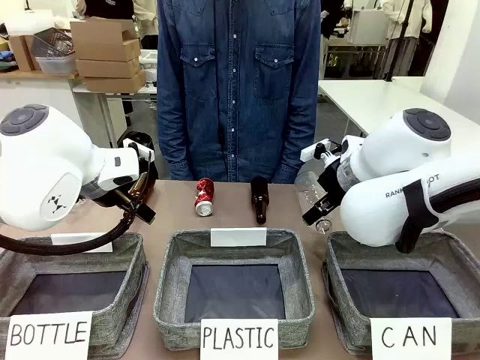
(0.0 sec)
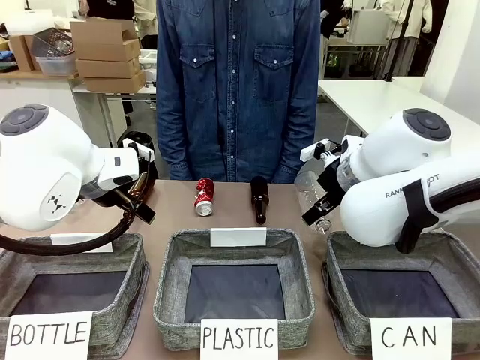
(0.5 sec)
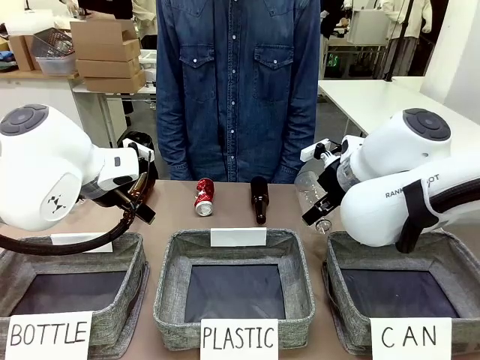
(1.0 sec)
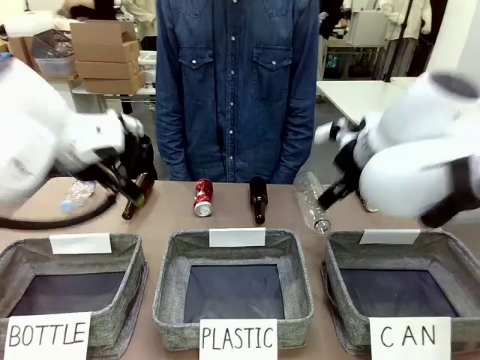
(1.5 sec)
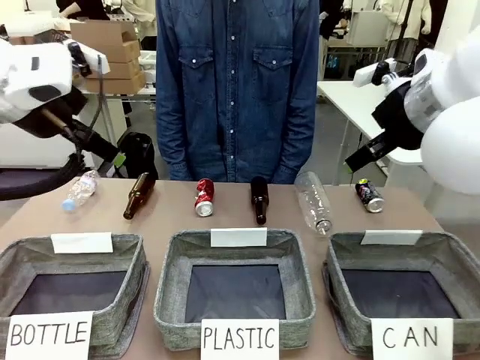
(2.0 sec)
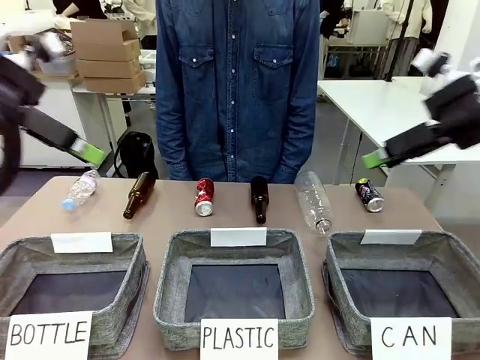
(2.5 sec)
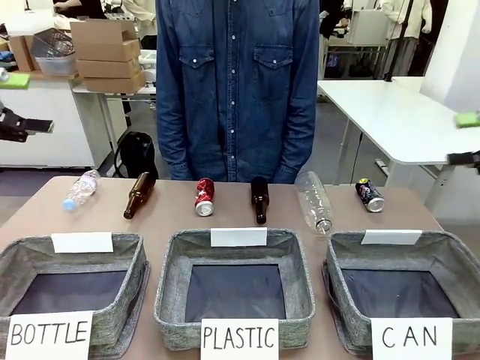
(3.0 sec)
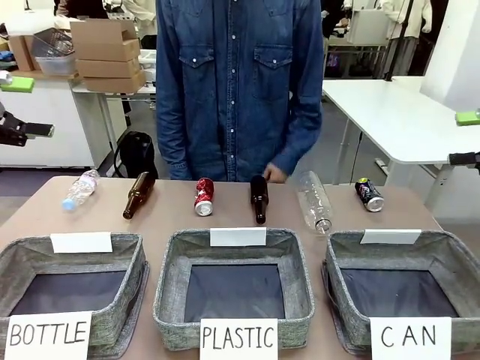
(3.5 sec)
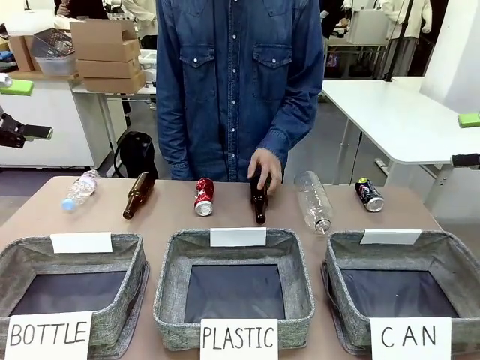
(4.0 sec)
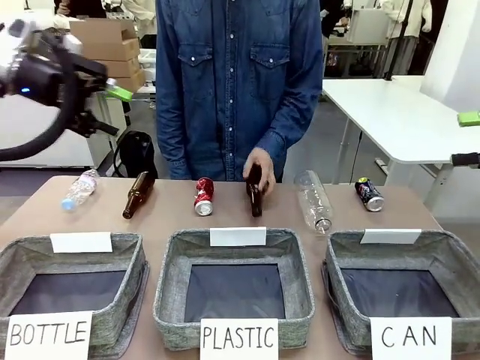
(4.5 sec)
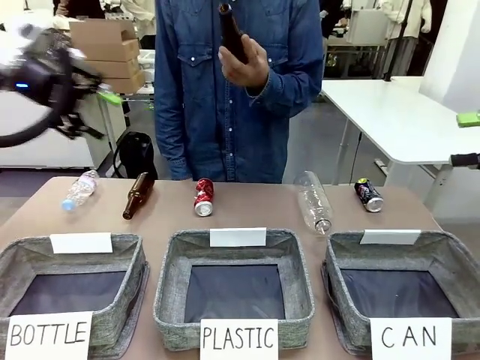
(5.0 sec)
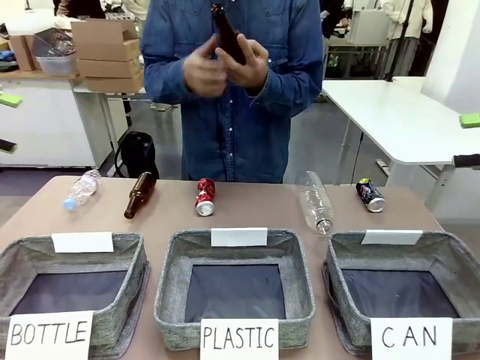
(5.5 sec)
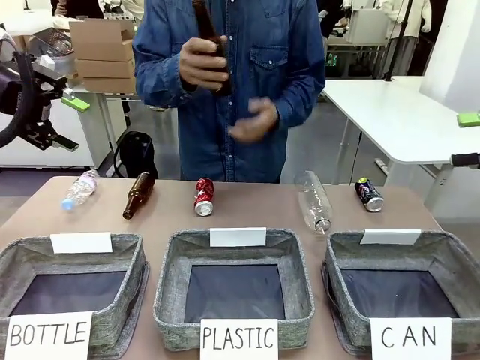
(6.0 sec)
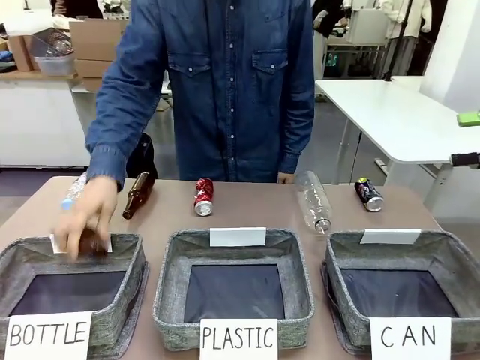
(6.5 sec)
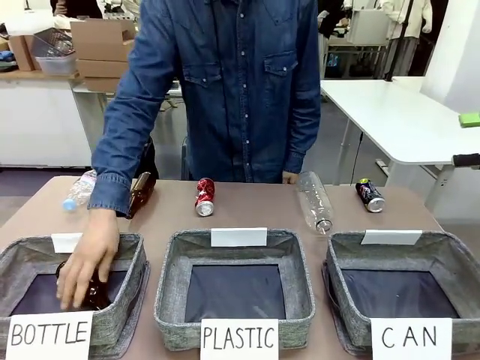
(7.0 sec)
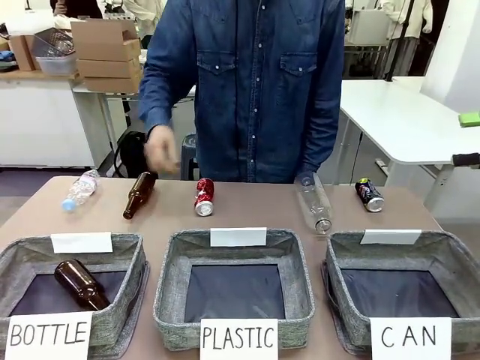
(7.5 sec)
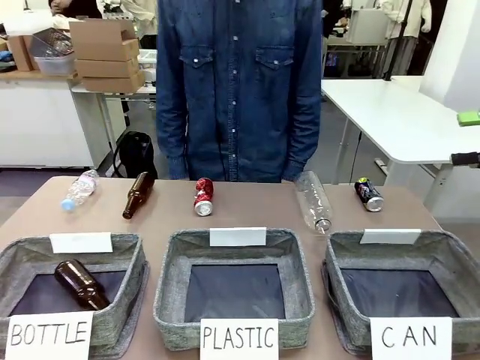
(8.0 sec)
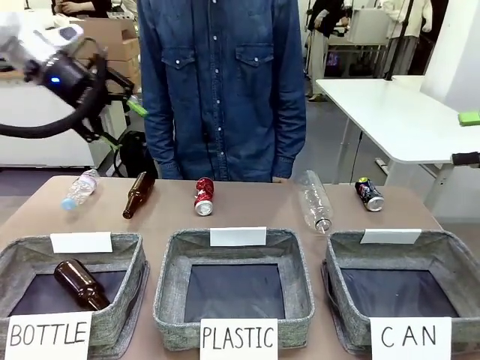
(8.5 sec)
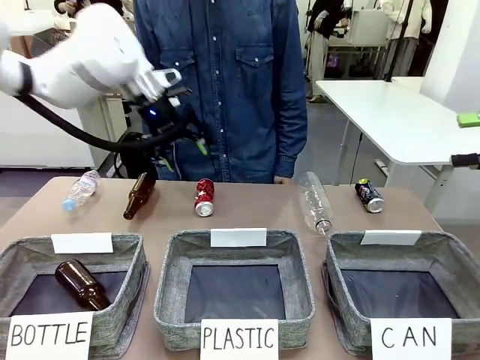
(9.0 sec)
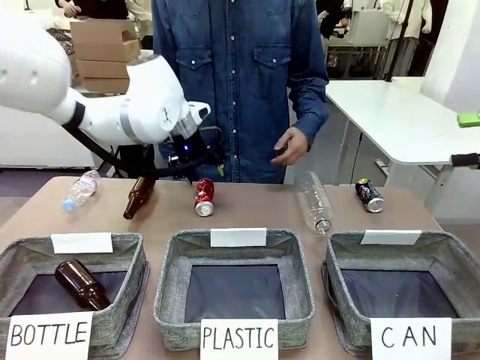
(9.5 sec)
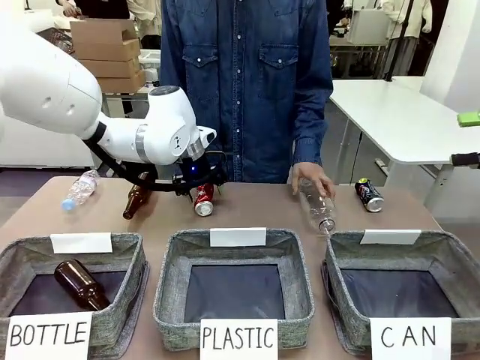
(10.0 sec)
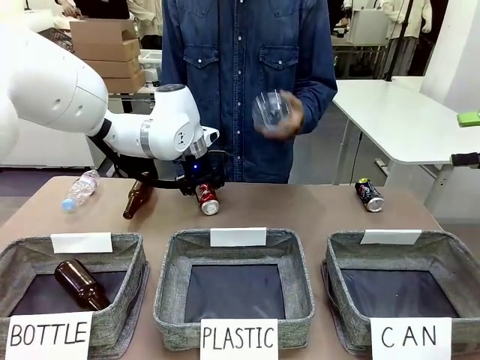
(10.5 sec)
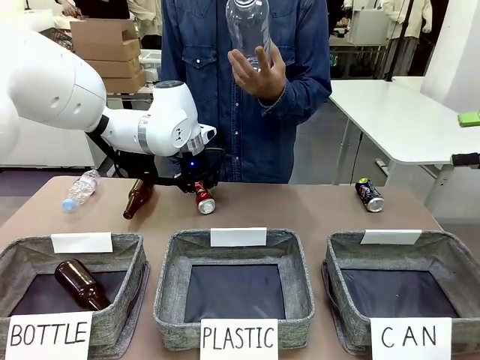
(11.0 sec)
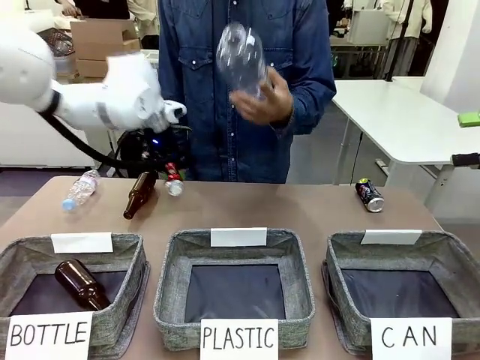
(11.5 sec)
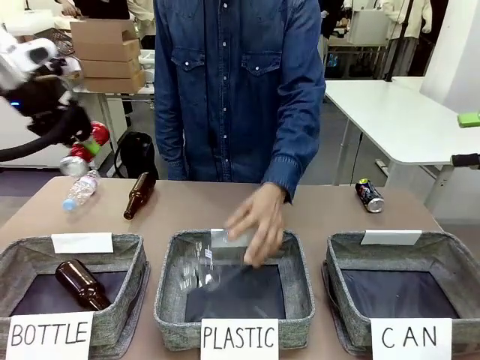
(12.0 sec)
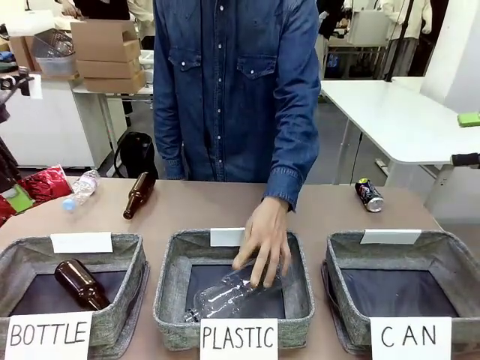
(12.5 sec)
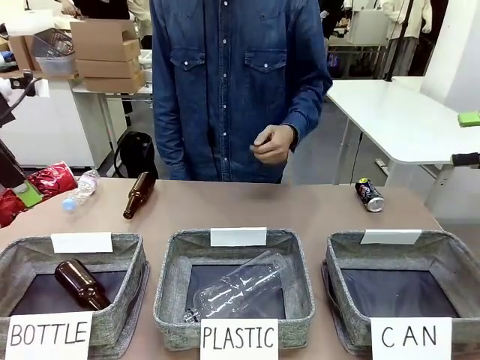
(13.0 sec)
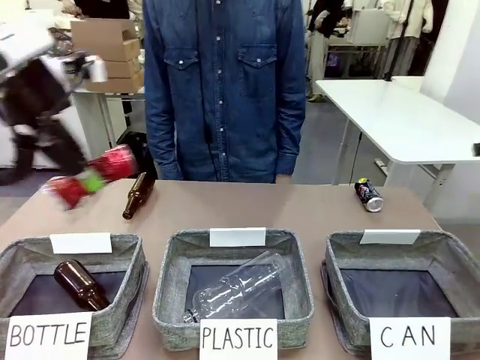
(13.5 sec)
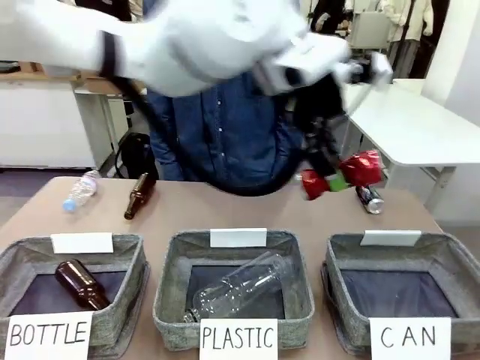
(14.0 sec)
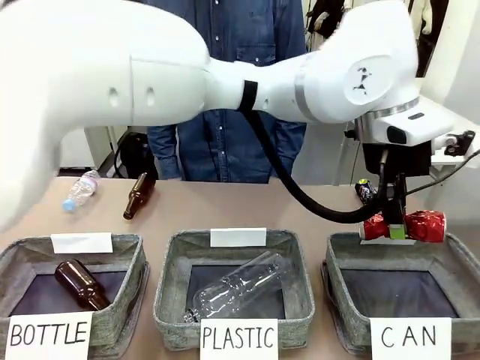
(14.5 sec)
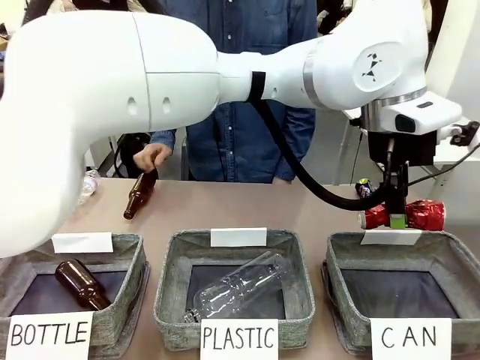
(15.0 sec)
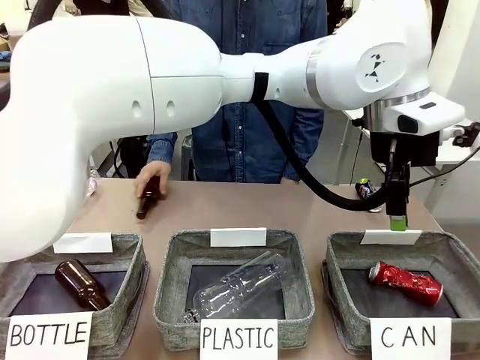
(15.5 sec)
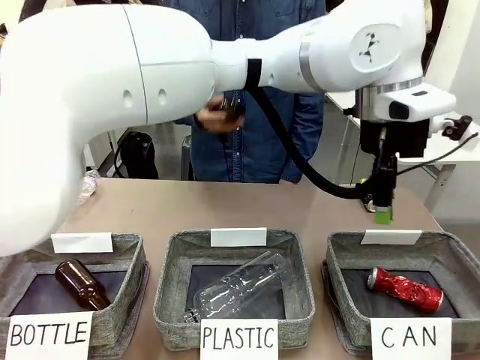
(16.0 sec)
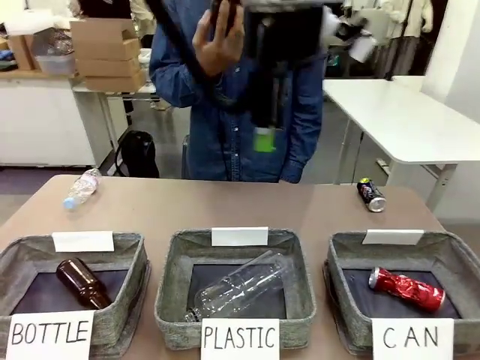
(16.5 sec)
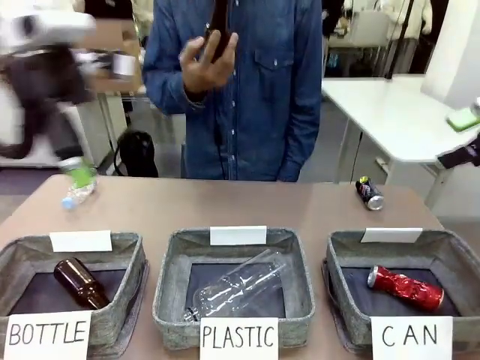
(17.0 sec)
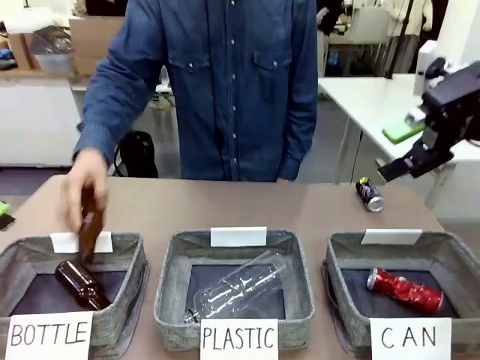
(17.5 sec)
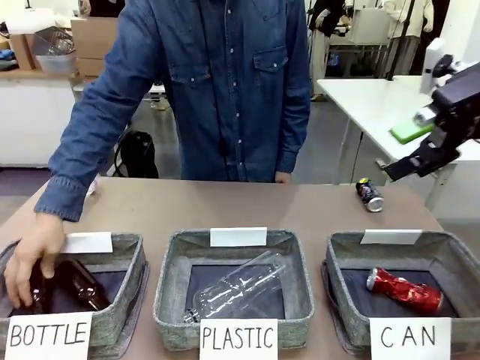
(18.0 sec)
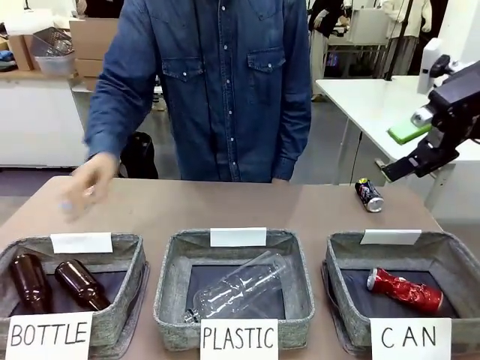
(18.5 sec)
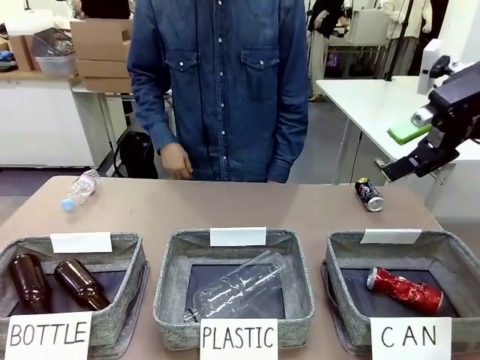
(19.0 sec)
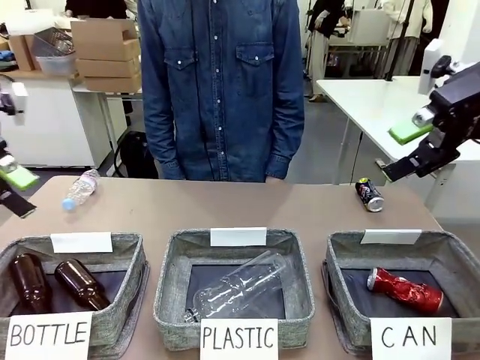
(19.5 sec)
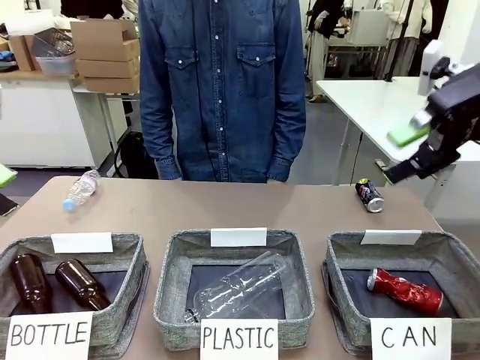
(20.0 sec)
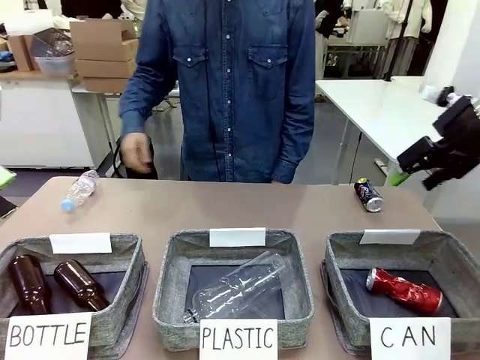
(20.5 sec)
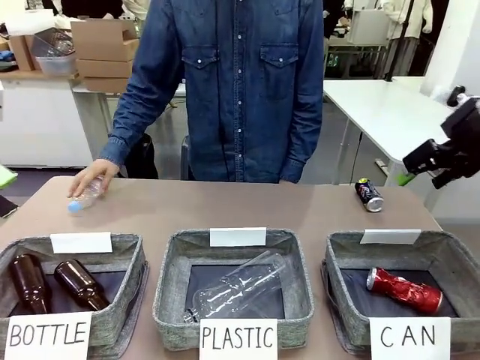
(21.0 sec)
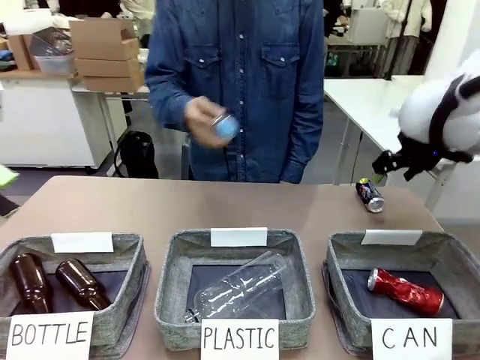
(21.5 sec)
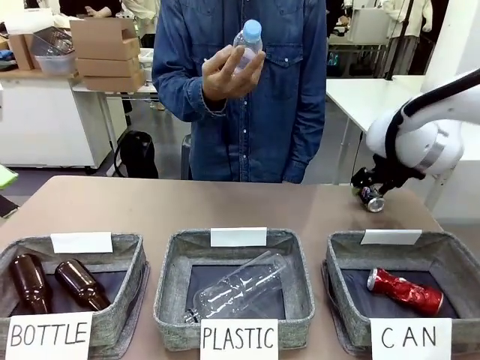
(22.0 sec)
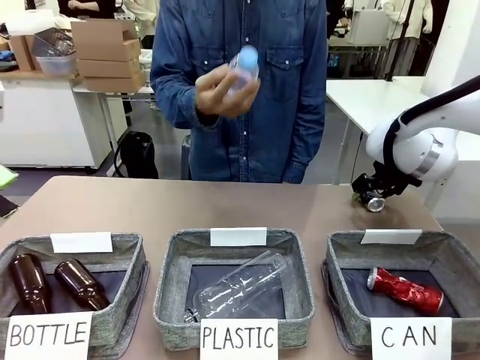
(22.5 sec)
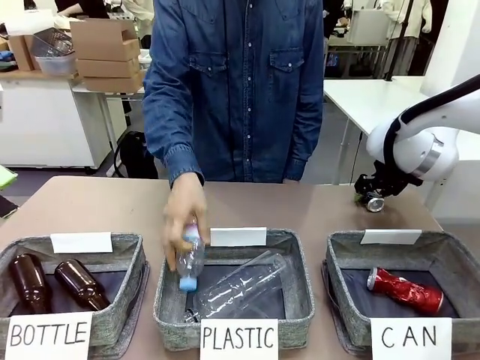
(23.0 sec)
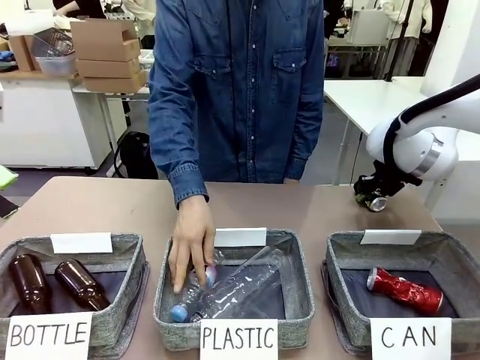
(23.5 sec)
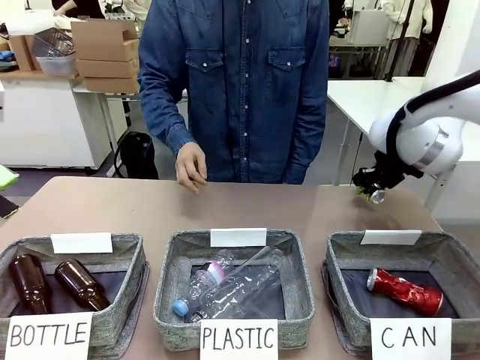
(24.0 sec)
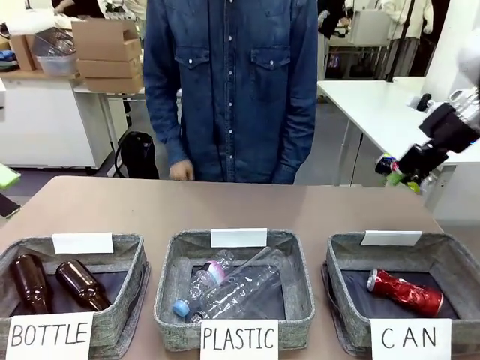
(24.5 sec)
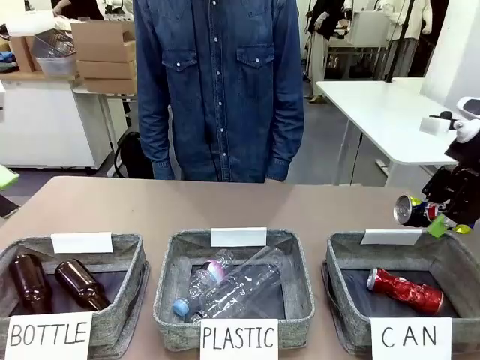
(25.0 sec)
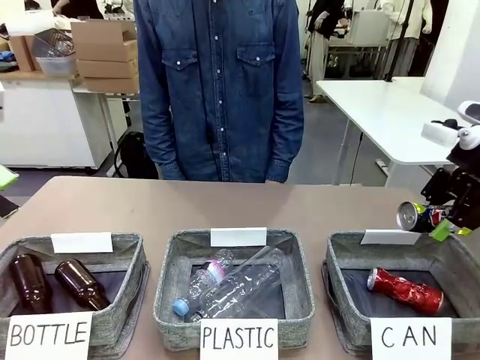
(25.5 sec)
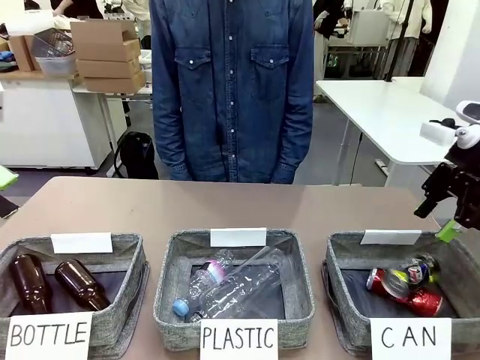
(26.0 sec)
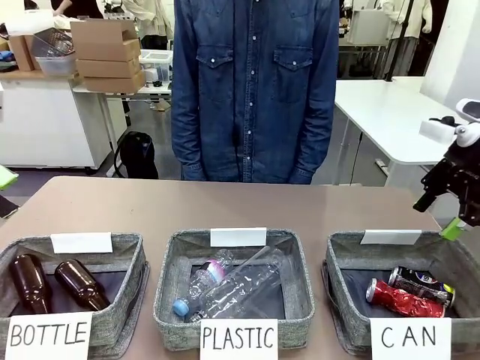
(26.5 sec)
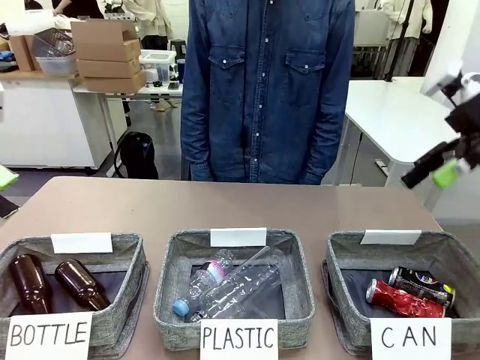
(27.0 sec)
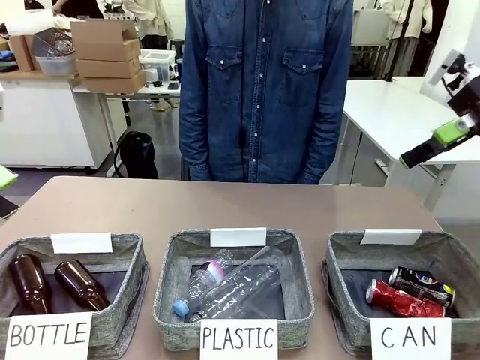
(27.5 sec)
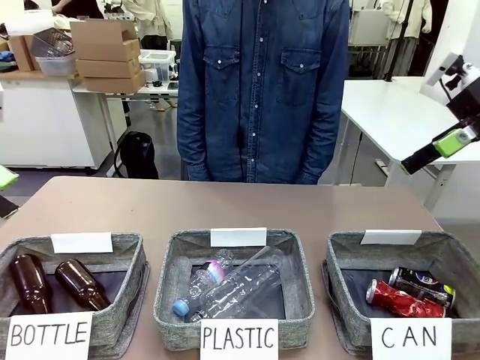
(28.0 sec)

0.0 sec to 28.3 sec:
Task: Sort the can waste into the basket.
Robot: Pick up the can waste from the table and place it in the right Fabric basket.
Person: The human picks up one piece of trash that is not a can and places the trash into the appropriate organizing basket.
